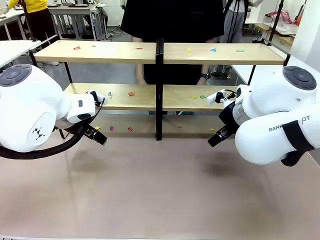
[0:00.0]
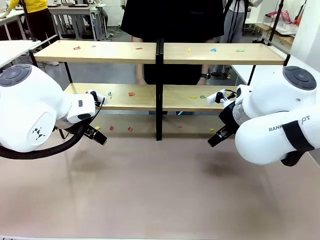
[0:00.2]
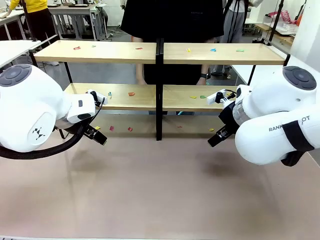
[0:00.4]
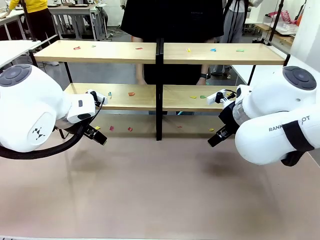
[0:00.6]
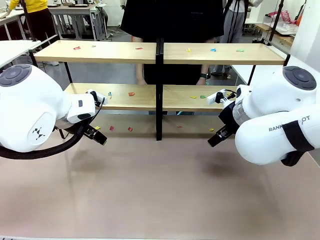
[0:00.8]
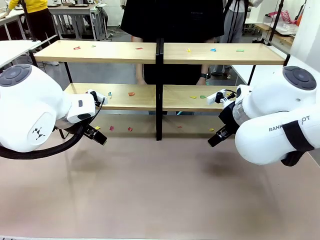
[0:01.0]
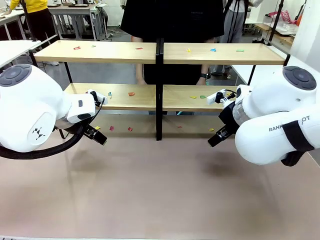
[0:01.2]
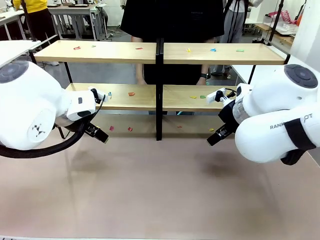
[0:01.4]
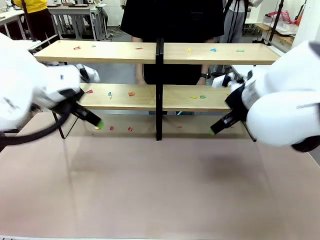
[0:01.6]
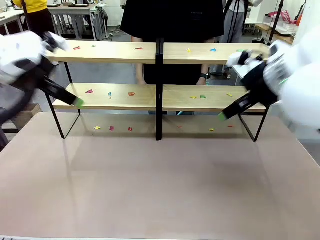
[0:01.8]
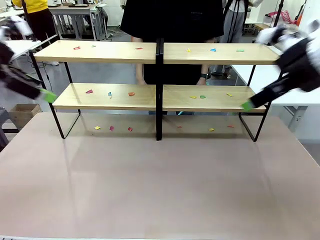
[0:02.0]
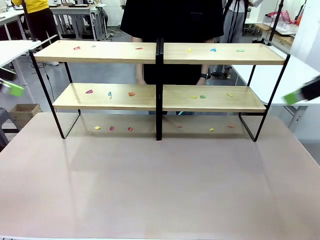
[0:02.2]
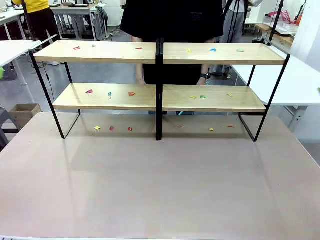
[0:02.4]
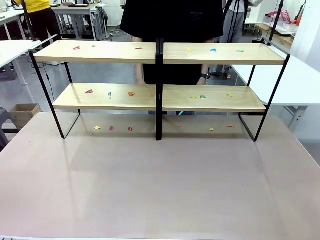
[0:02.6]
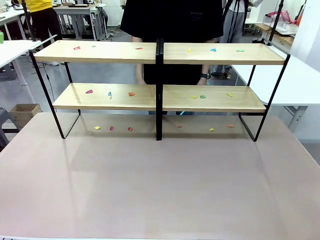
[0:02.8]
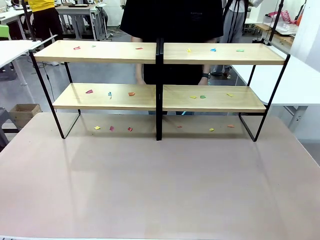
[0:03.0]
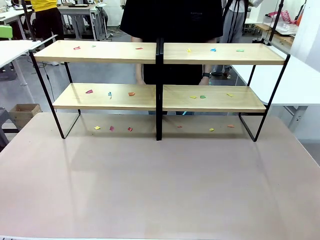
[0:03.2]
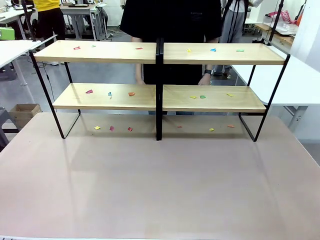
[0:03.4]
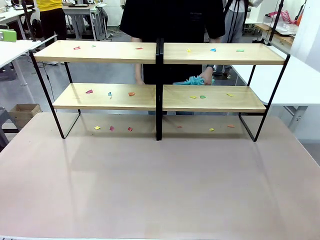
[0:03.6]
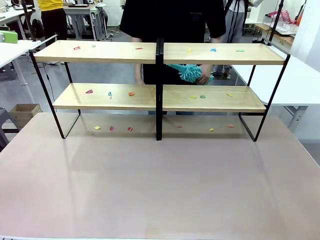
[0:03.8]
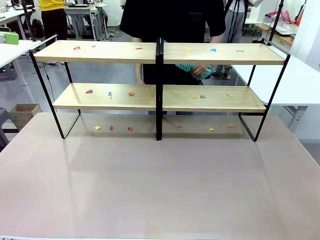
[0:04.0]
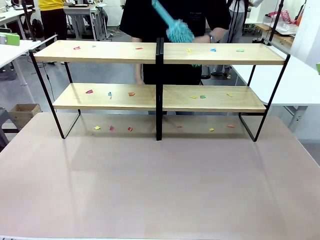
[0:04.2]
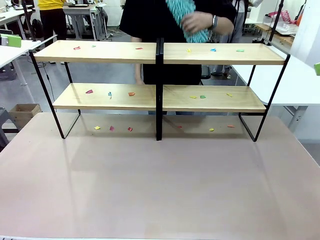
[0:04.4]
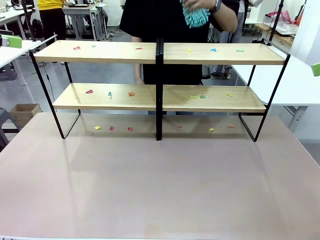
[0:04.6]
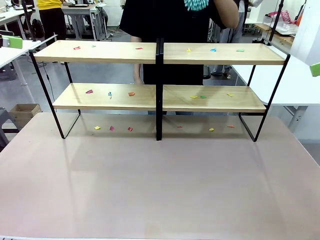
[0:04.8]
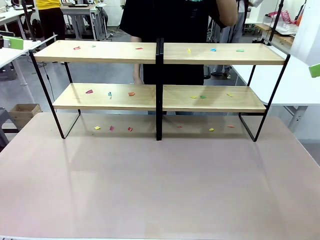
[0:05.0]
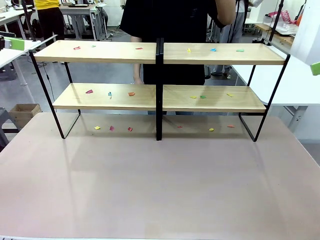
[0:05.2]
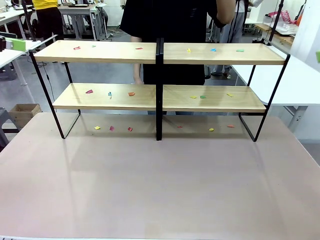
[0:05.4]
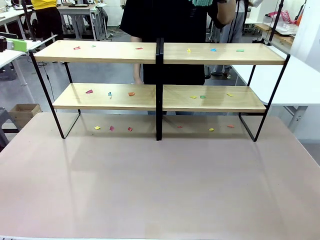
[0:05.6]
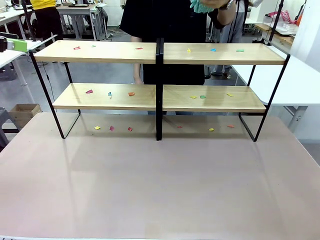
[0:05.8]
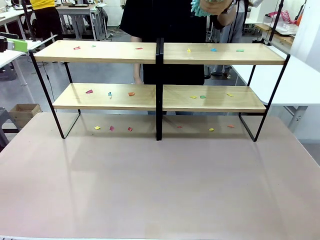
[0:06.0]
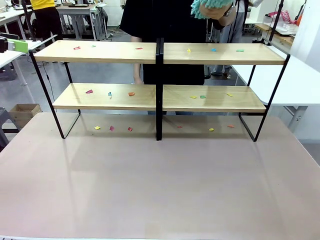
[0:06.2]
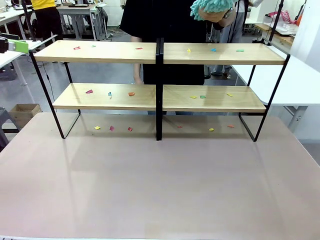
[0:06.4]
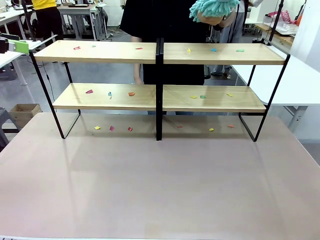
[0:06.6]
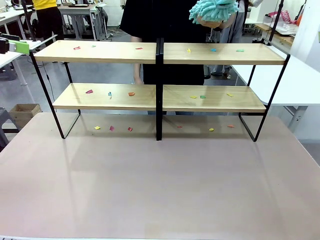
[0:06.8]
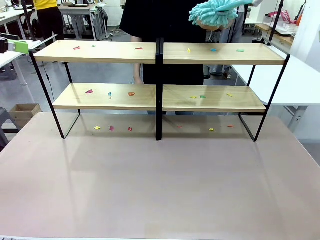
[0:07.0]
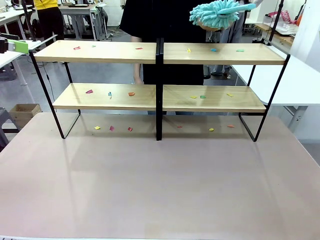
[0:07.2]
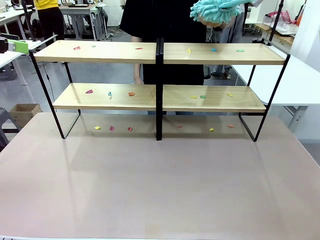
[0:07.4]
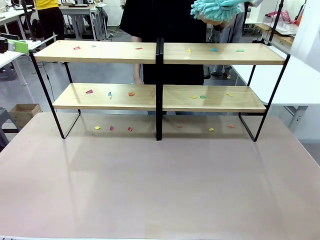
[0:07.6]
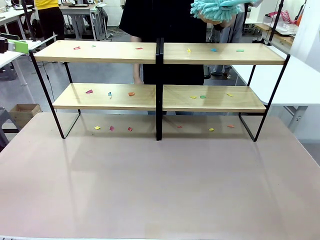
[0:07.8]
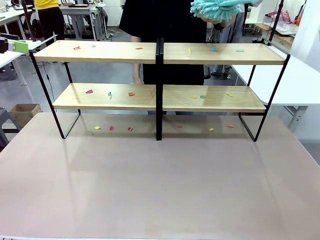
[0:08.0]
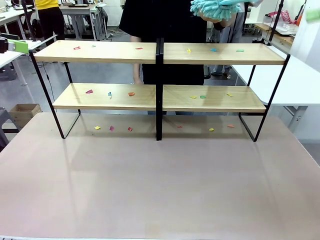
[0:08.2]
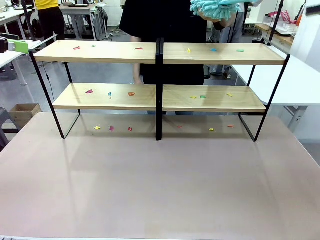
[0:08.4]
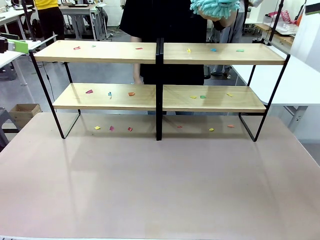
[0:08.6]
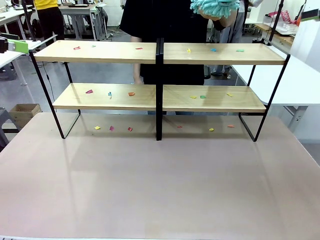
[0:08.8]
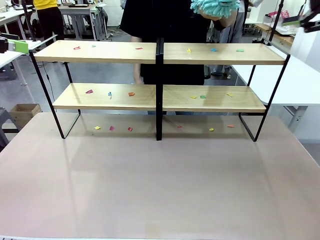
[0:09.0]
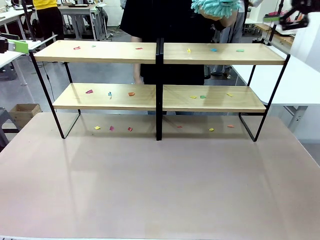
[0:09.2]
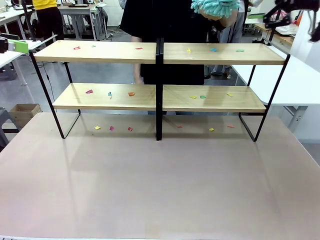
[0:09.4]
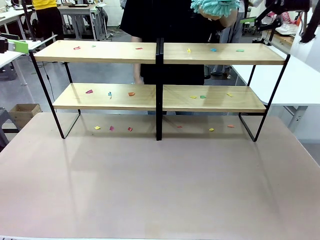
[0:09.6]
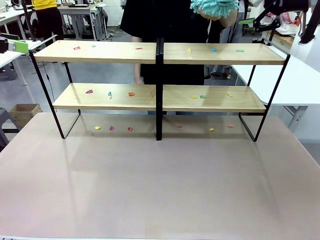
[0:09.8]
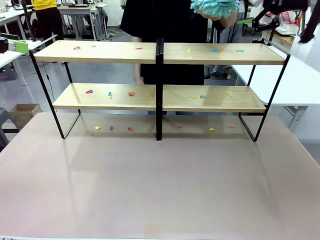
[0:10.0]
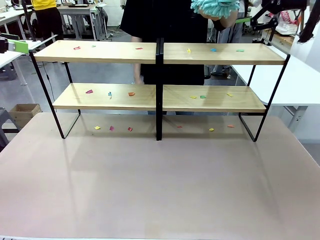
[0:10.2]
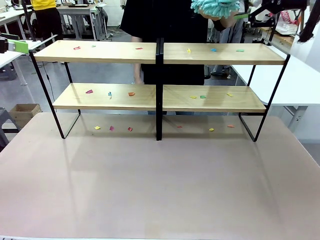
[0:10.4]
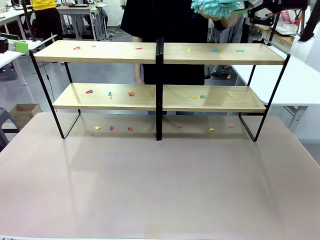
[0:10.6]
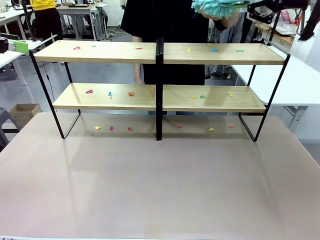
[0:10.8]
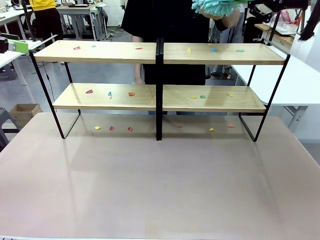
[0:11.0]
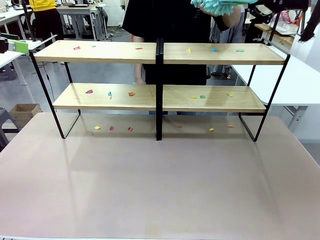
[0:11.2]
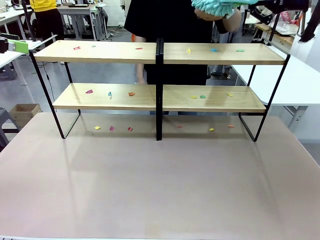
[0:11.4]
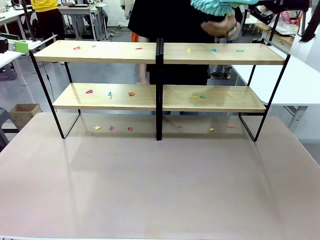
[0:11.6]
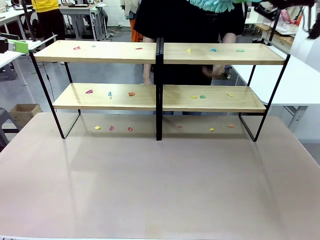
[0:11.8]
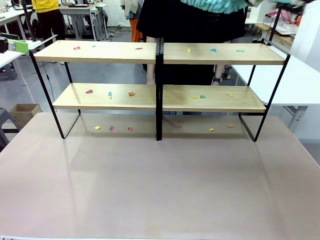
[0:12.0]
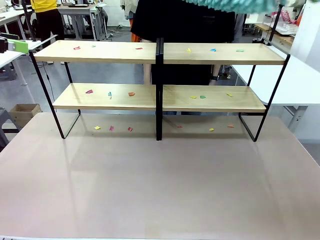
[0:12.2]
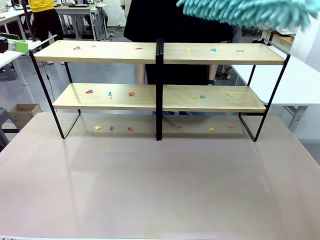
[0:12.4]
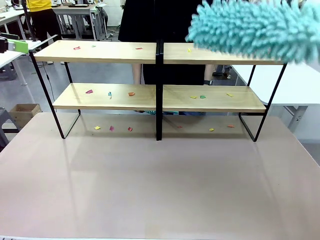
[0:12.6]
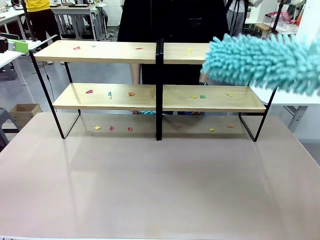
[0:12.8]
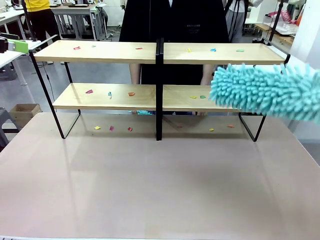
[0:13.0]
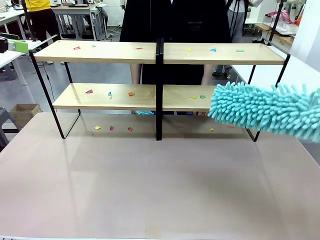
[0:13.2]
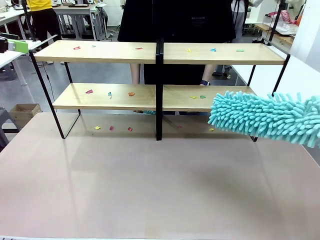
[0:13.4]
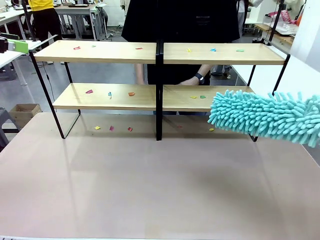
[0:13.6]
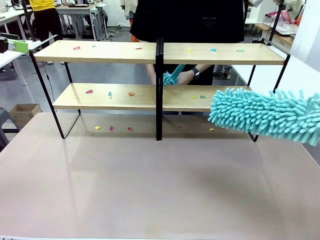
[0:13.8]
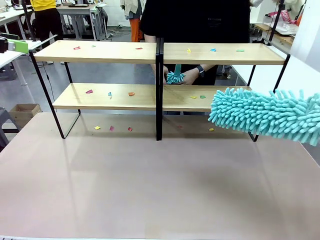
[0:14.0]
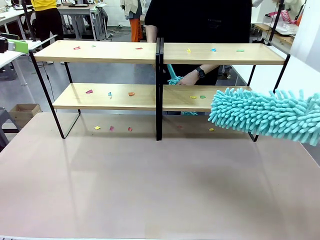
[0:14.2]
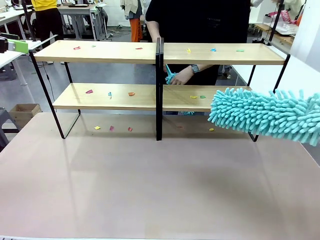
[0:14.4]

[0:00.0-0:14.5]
Task: Clean the shelves.
Robot: Pick up the Duster when the human hands it over.
Person: Hand the Duster to the robot with your right (or left) hand.
